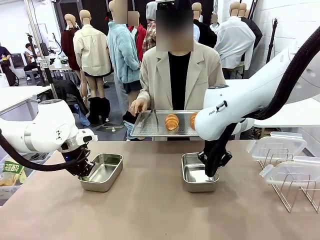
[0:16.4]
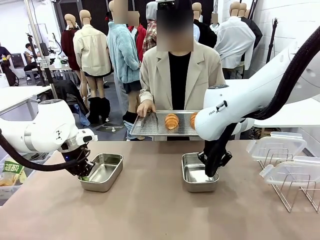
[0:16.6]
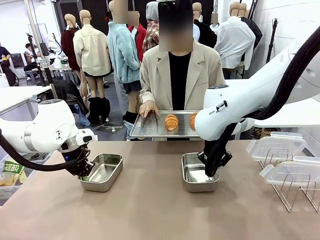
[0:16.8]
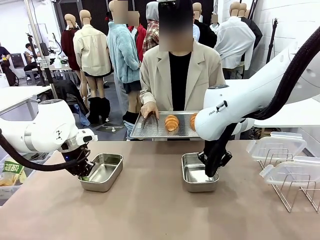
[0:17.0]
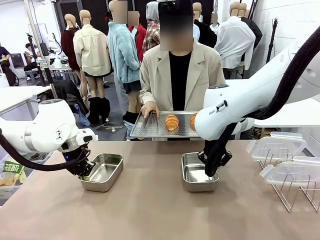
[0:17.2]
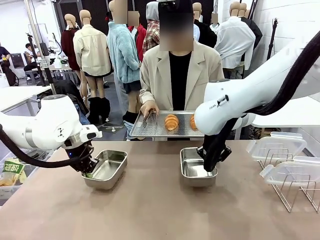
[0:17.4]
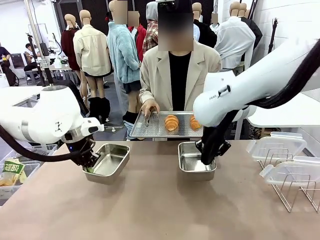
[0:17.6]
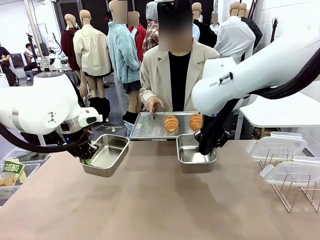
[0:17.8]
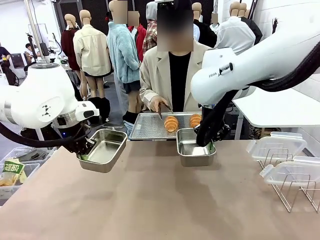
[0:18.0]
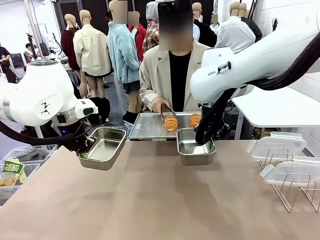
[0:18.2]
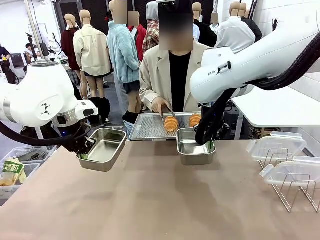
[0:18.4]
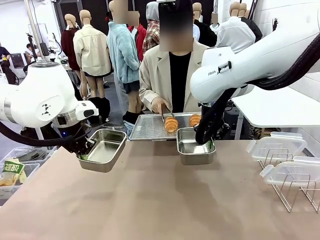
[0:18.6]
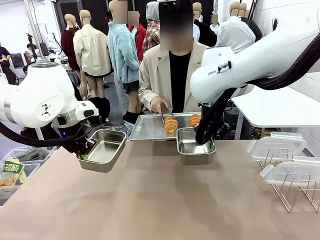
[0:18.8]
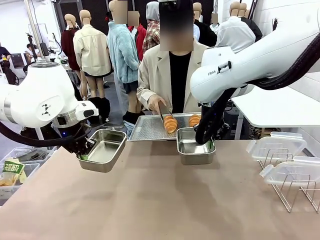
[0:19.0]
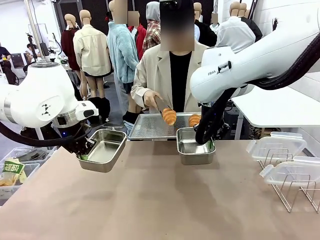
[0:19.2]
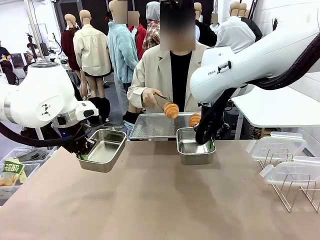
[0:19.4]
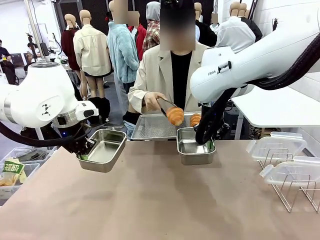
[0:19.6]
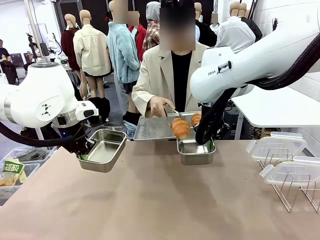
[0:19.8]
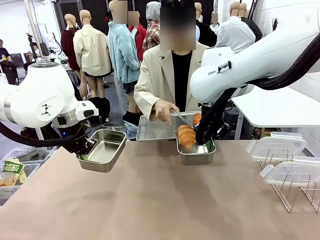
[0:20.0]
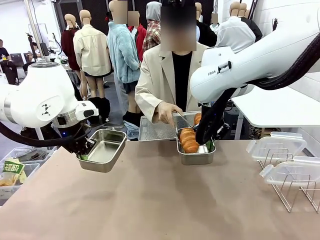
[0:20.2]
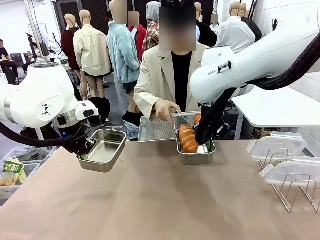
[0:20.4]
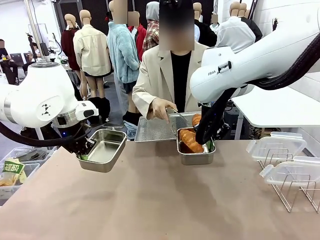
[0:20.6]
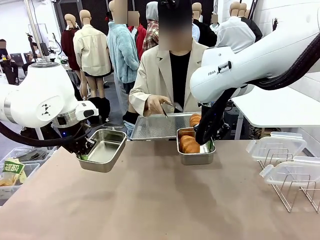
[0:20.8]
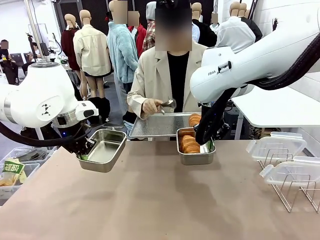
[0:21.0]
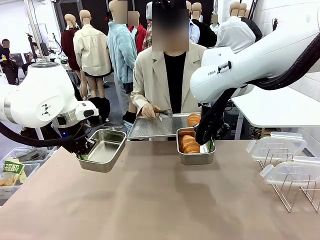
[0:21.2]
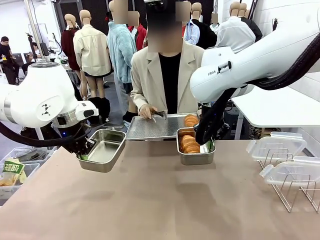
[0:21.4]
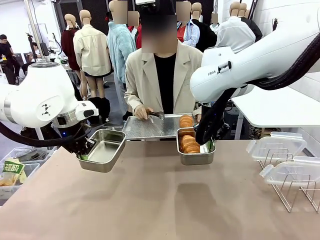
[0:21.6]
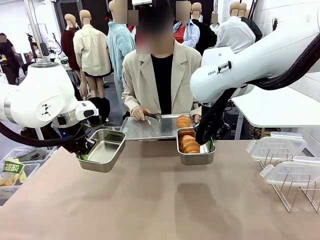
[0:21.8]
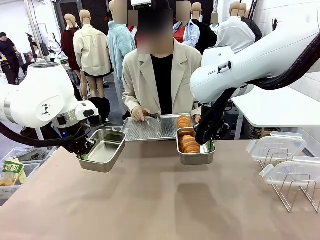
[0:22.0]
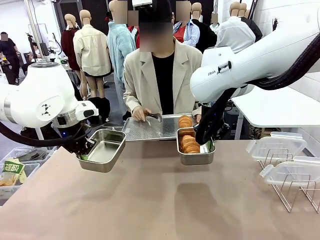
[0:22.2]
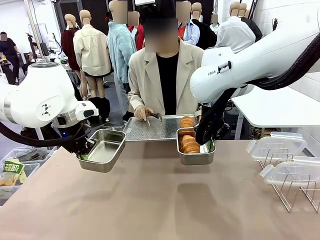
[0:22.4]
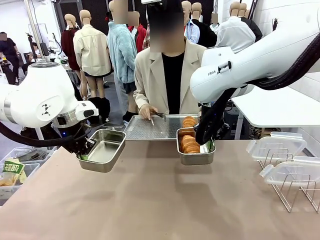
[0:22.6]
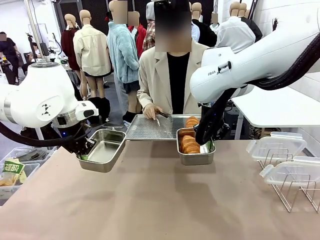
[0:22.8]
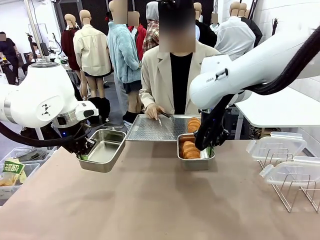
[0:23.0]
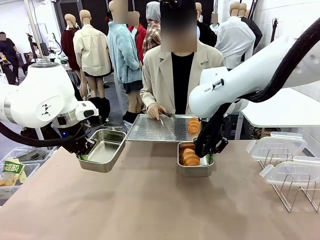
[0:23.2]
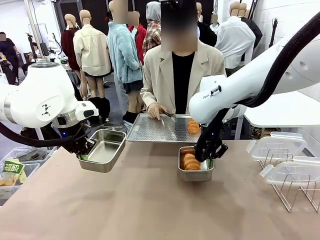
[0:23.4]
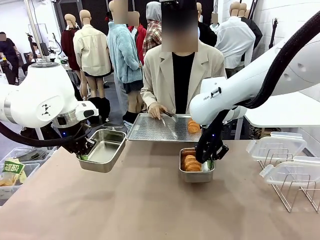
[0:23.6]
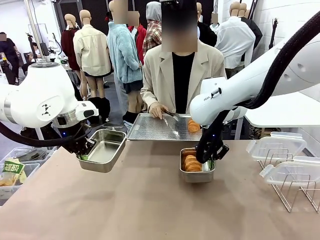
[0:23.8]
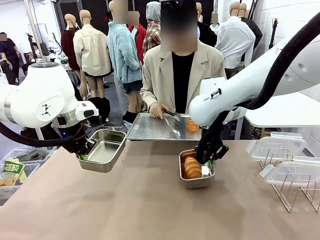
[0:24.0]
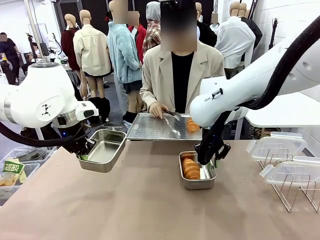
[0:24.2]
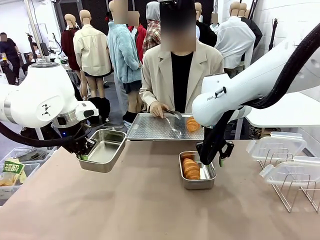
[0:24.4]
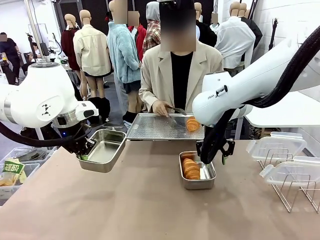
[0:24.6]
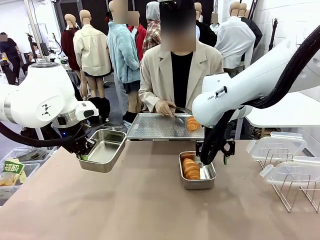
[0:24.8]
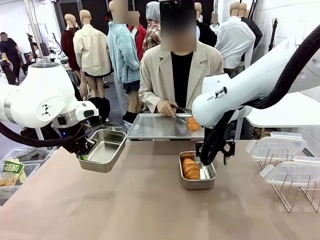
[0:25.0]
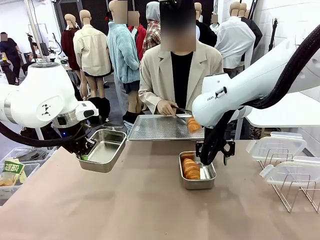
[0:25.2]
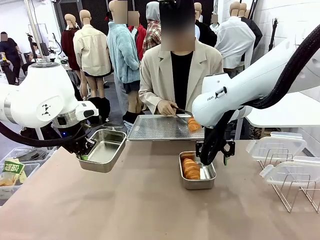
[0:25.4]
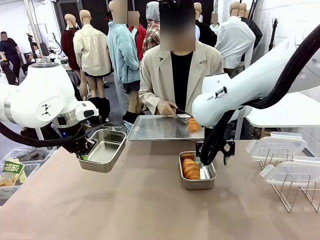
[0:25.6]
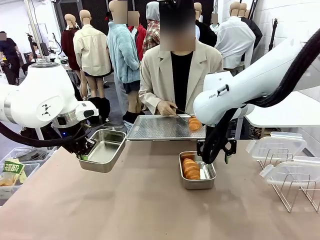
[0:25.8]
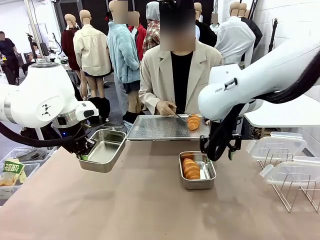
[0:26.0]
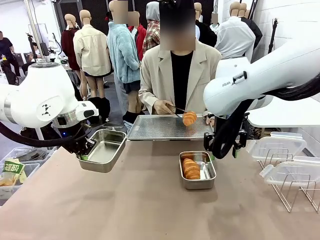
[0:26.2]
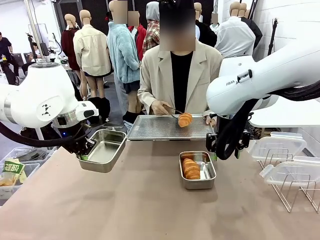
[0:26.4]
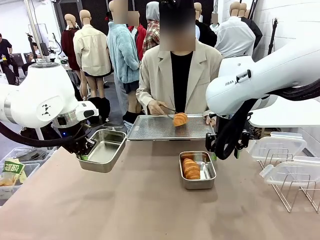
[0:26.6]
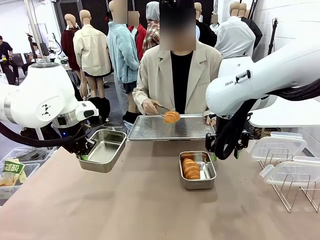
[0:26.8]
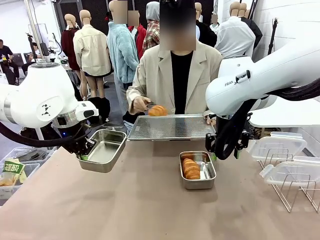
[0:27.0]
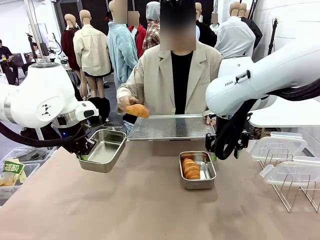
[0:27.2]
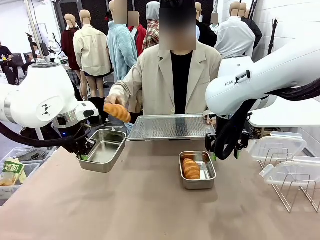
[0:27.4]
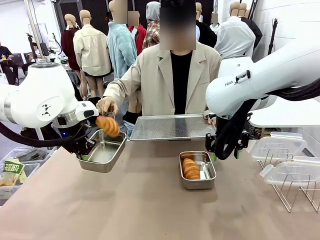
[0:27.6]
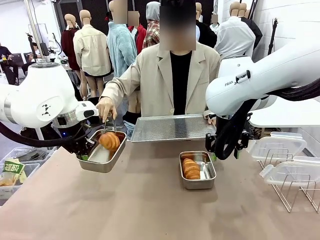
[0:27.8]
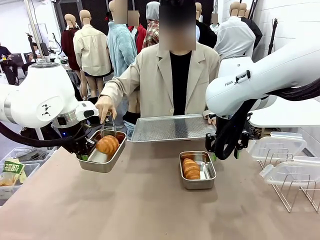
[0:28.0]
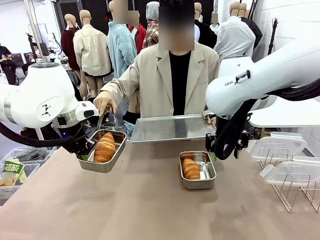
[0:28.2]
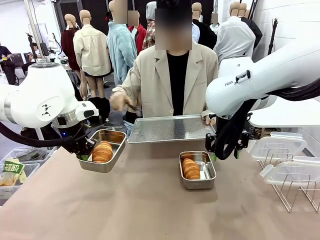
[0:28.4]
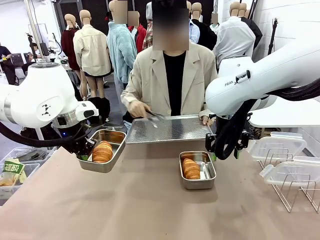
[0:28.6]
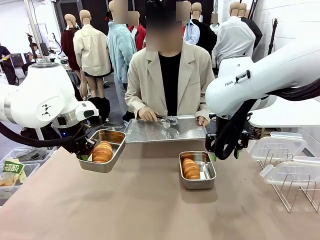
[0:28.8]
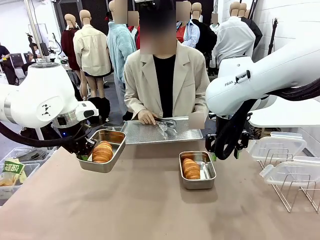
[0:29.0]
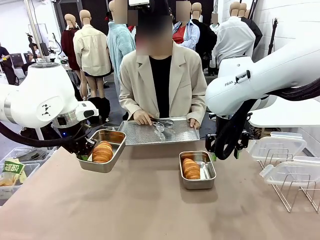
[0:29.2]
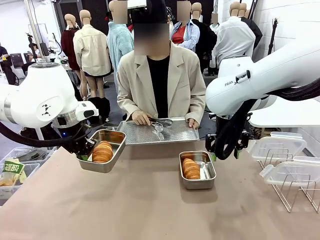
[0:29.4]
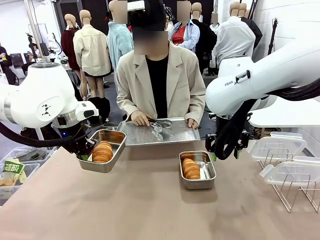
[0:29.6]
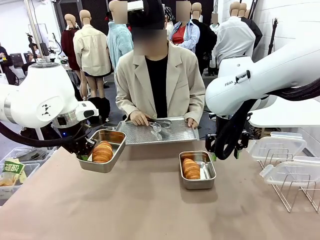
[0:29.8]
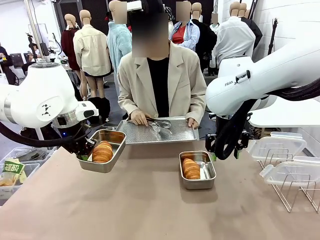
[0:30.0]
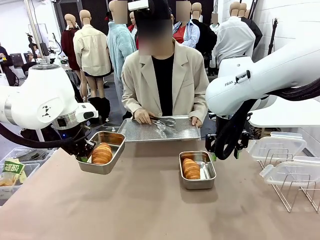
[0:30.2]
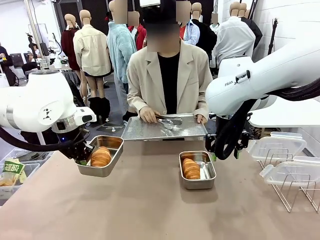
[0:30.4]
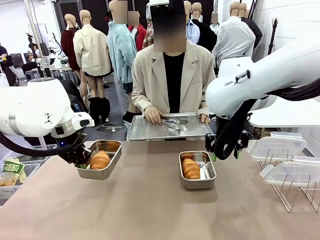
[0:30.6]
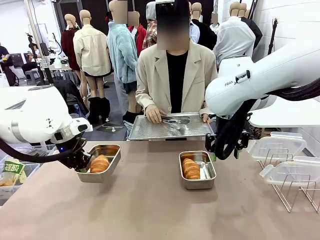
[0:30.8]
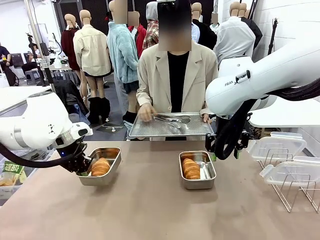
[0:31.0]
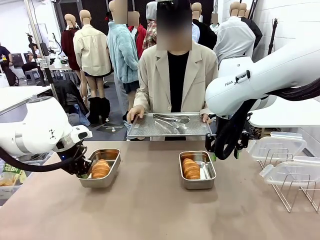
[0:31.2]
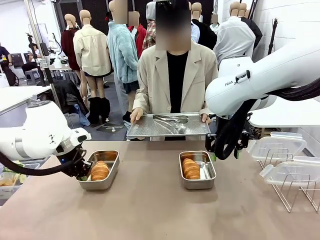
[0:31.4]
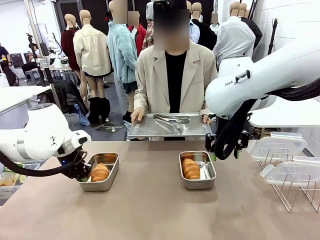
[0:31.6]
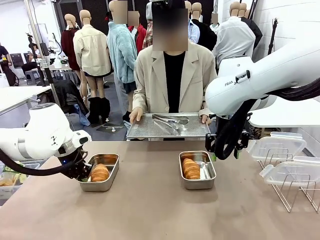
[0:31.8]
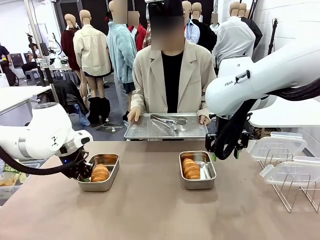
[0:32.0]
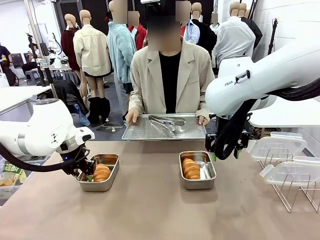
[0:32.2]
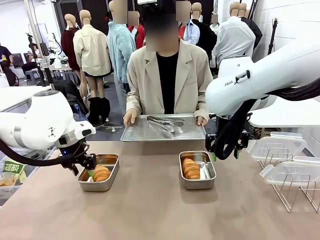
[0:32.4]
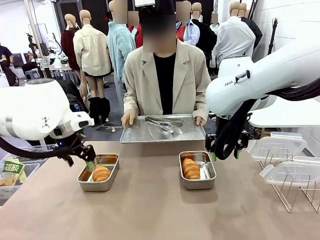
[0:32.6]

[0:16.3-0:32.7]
Task: Place the bread in airtight containers.
Robot: Once an object is inside an Airtight Container , place the container in the center of the table.
Person: Use the Stainless steel tongs to place one object from Baking Sheet into one Airtight Container.
